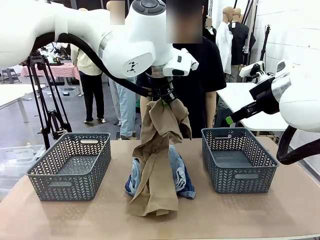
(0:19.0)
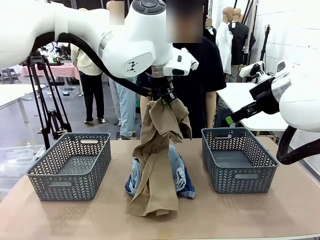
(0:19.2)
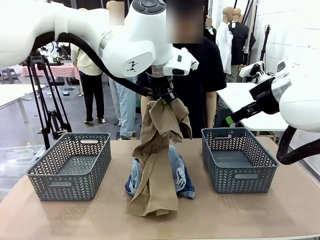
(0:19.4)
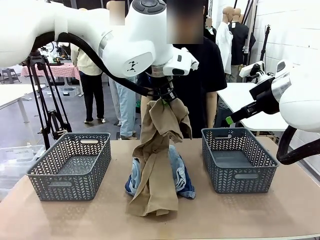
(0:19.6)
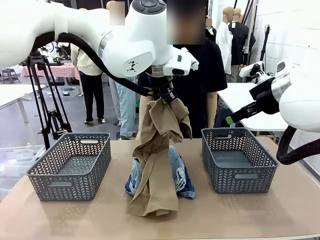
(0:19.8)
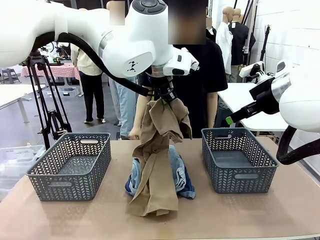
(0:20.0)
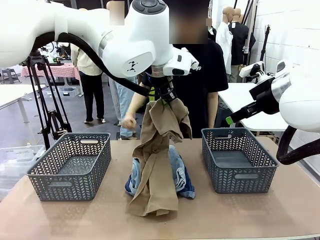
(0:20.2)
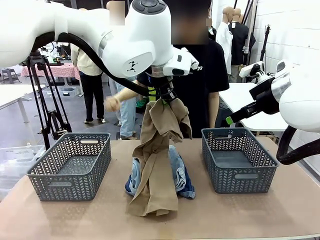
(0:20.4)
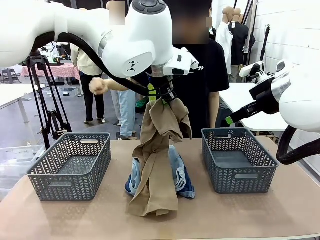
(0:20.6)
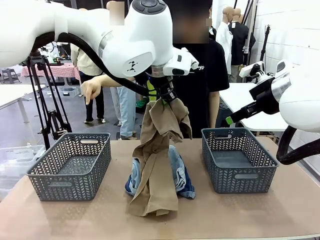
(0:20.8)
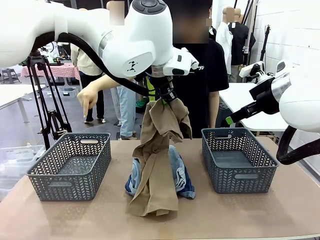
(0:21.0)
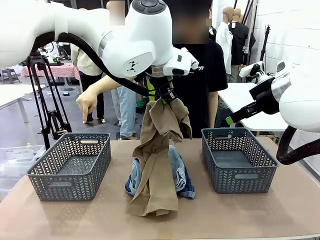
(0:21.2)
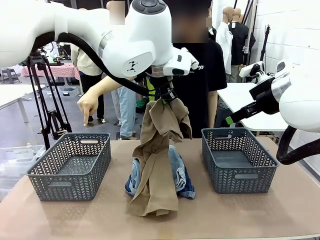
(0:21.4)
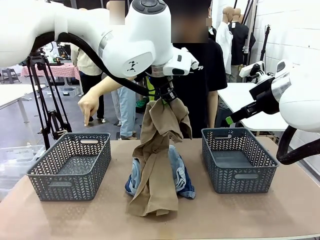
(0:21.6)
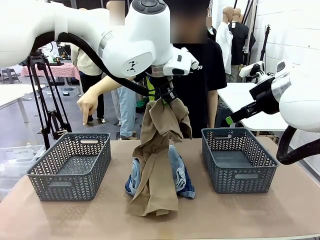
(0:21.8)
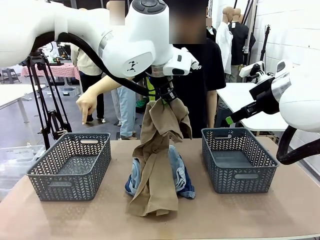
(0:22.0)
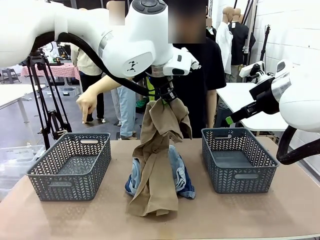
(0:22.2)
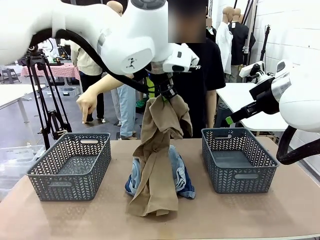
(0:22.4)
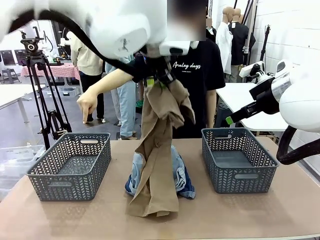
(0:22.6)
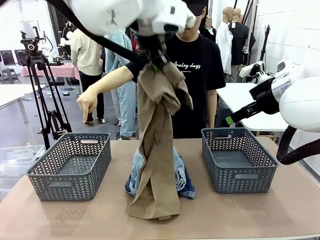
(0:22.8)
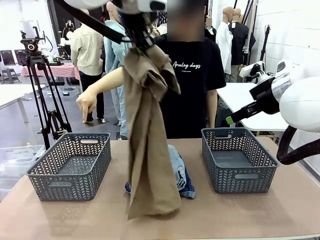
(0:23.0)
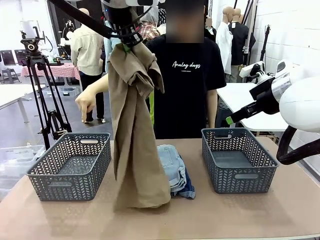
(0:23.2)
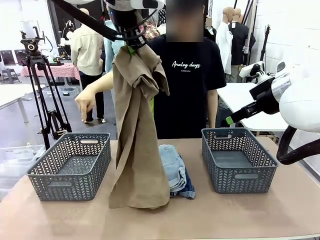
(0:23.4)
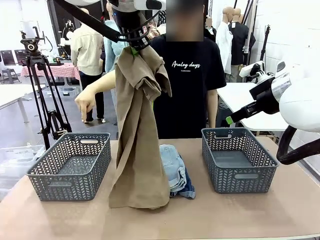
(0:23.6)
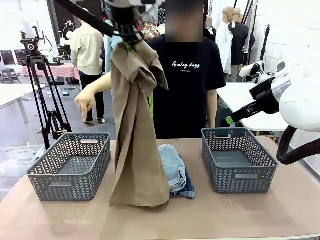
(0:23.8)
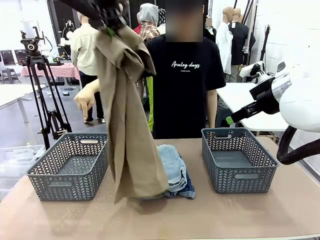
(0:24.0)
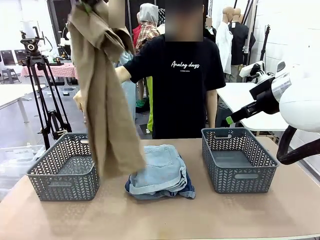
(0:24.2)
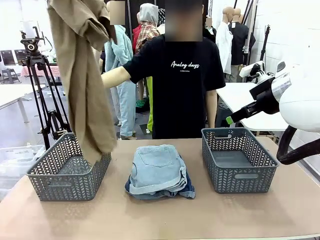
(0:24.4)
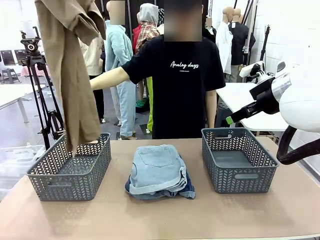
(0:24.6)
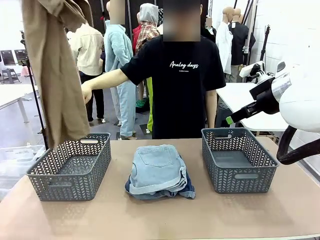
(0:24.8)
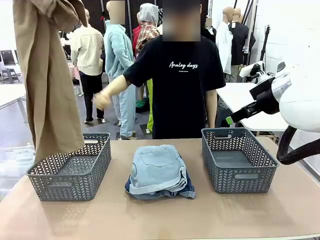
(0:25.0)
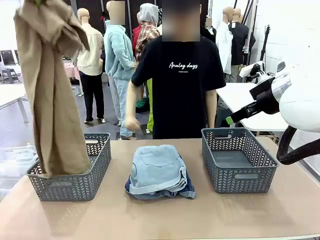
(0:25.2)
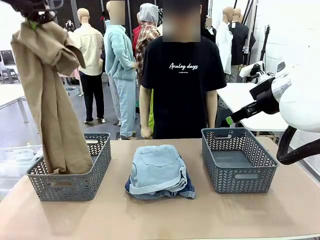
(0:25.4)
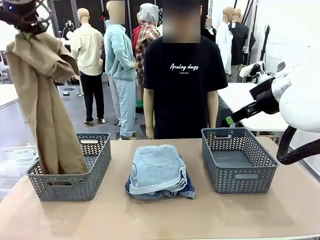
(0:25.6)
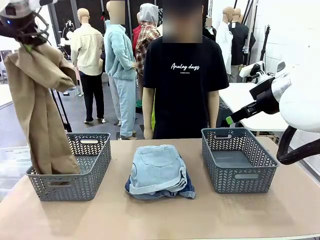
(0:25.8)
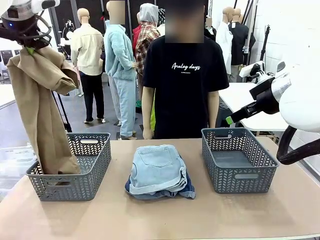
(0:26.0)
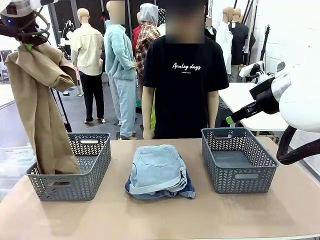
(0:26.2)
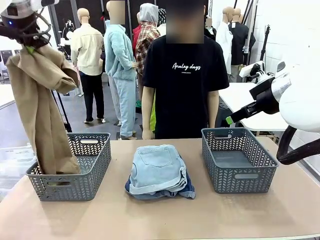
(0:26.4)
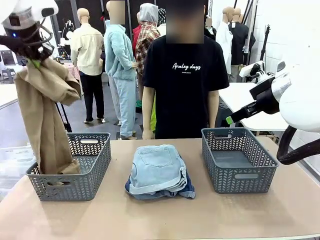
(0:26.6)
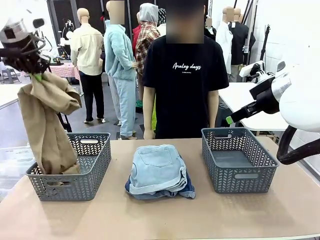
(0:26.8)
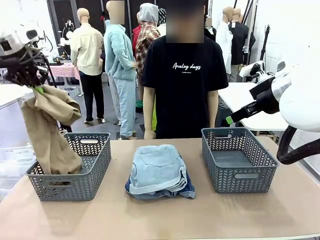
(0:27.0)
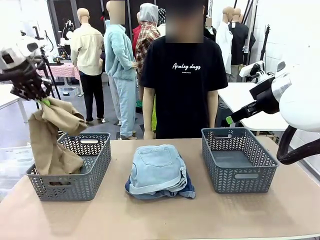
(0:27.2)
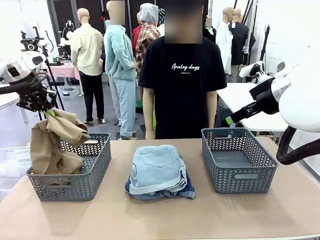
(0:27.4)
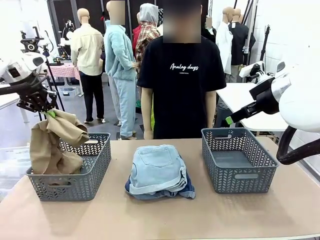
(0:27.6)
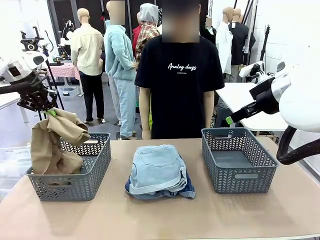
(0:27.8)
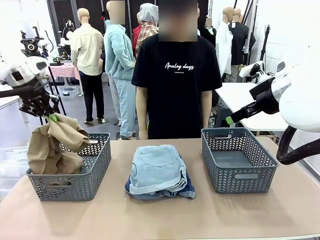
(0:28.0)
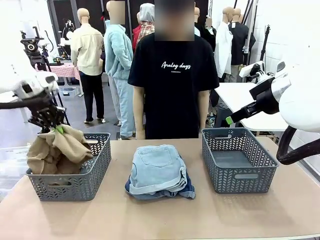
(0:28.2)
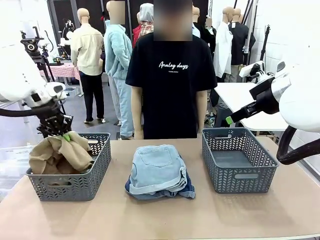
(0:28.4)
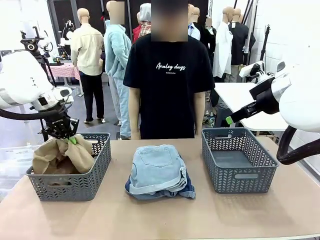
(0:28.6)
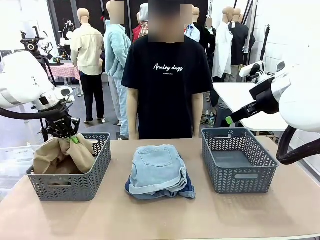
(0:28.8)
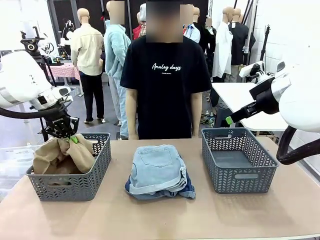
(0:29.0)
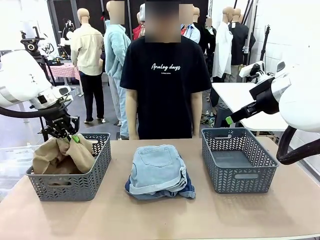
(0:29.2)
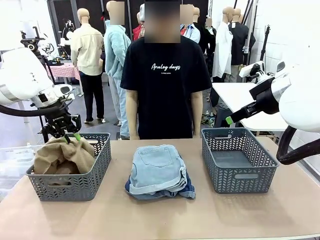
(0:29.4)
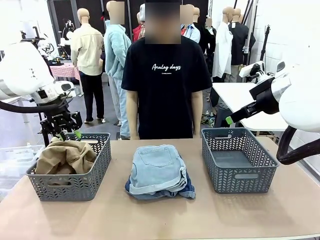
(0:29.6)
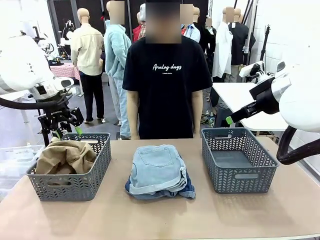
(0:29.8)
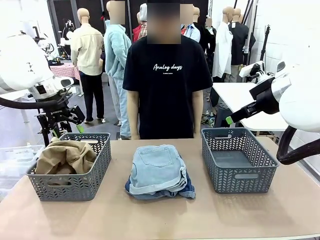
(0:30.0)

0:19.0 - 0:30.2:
Task: Sort the tops and bottoms.
Robot: Sort the clothes according to human instructions.

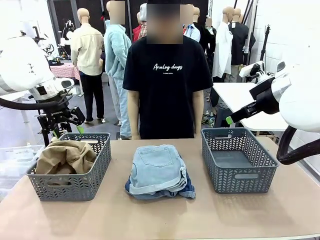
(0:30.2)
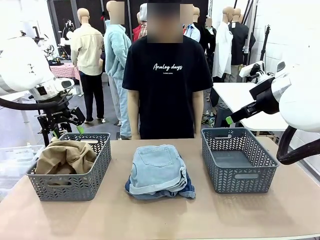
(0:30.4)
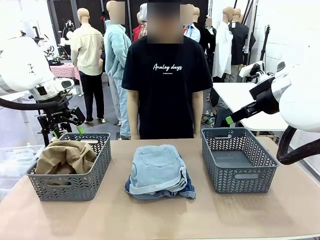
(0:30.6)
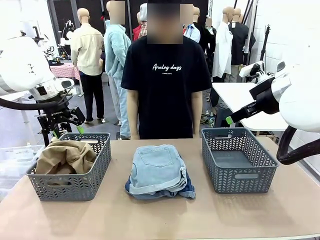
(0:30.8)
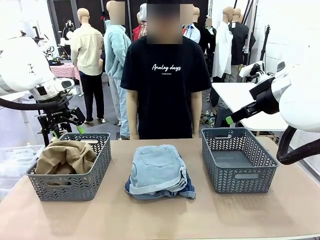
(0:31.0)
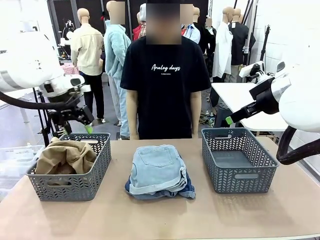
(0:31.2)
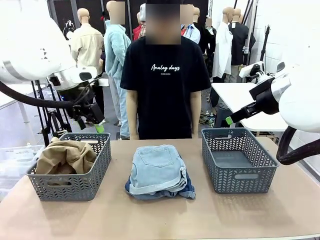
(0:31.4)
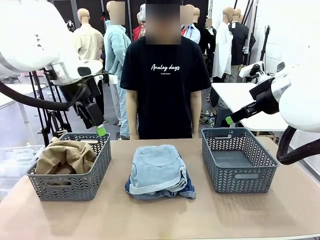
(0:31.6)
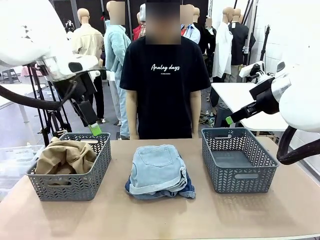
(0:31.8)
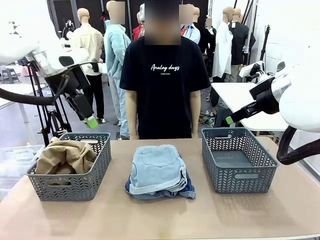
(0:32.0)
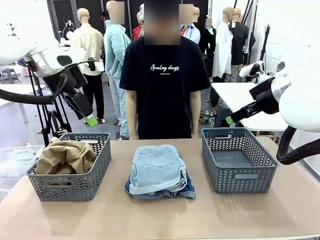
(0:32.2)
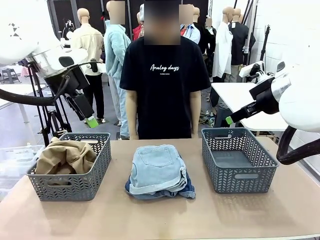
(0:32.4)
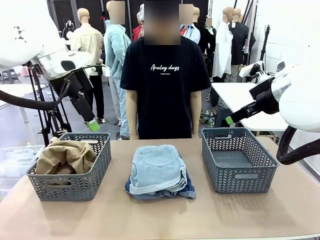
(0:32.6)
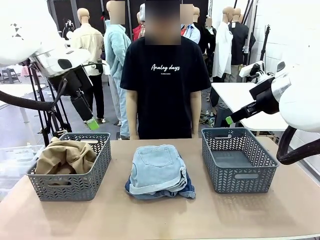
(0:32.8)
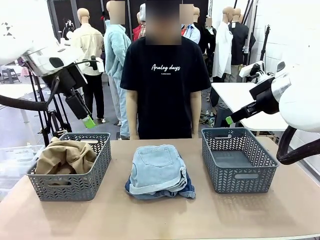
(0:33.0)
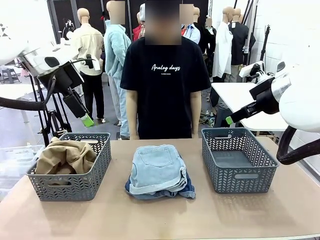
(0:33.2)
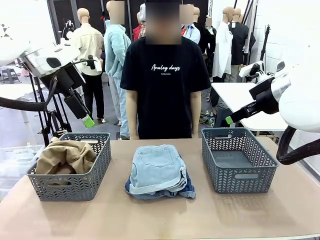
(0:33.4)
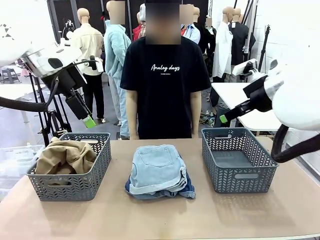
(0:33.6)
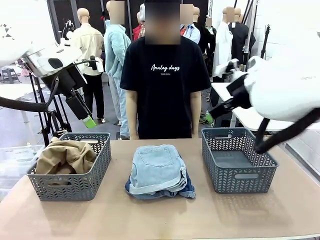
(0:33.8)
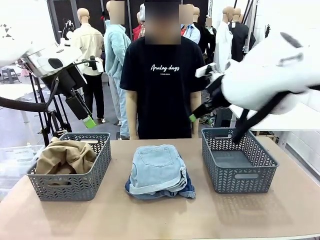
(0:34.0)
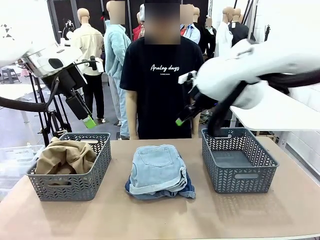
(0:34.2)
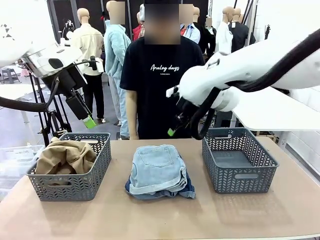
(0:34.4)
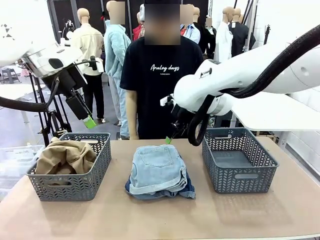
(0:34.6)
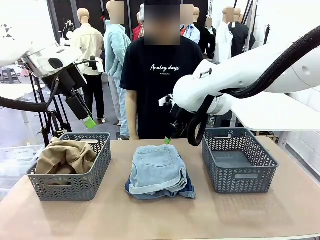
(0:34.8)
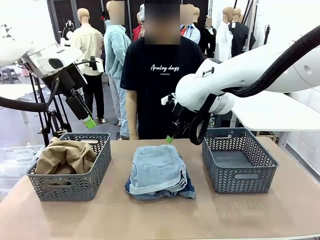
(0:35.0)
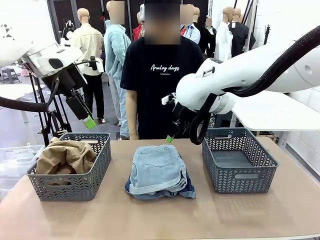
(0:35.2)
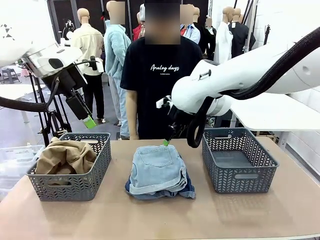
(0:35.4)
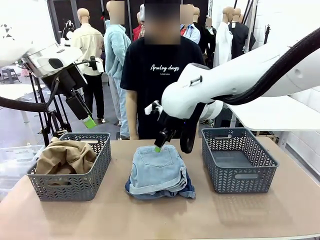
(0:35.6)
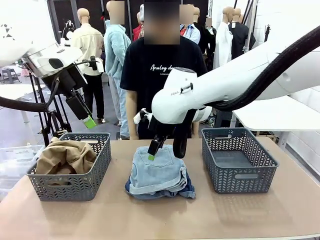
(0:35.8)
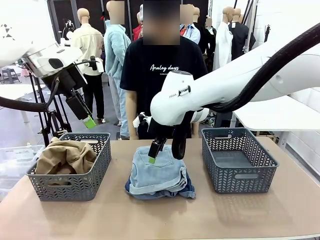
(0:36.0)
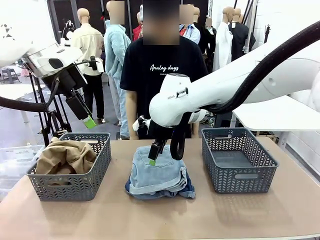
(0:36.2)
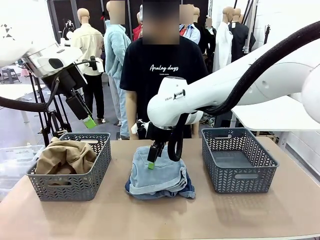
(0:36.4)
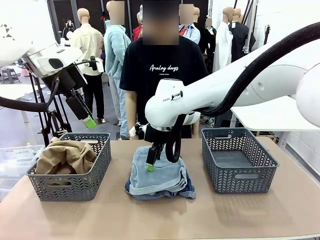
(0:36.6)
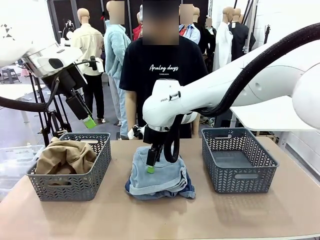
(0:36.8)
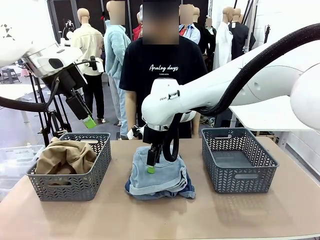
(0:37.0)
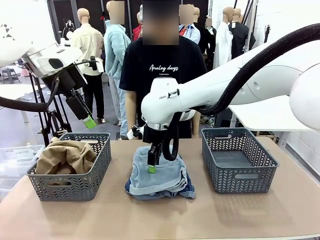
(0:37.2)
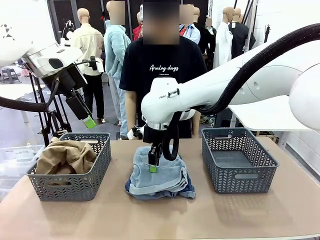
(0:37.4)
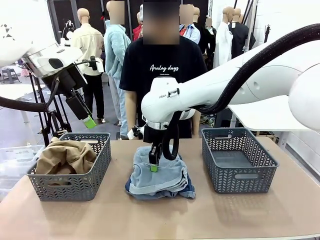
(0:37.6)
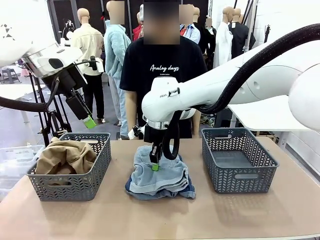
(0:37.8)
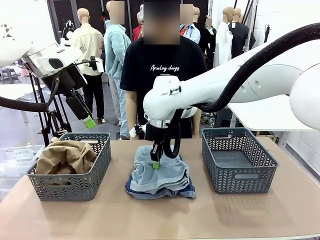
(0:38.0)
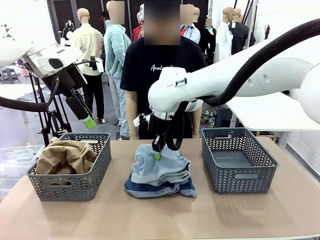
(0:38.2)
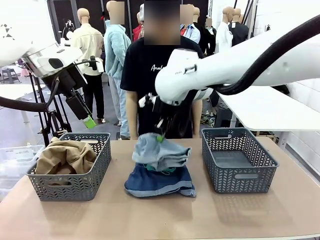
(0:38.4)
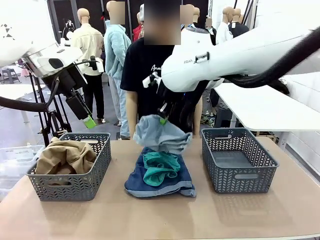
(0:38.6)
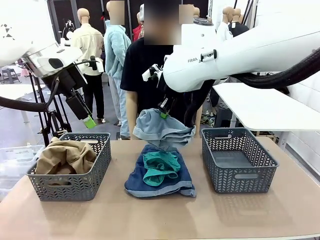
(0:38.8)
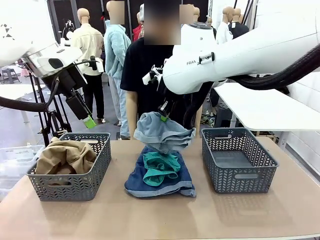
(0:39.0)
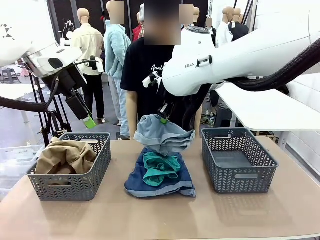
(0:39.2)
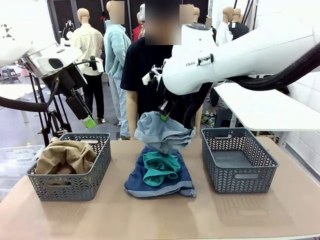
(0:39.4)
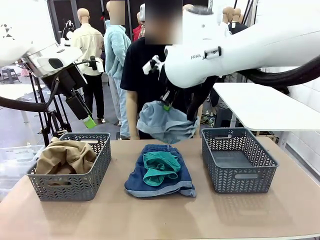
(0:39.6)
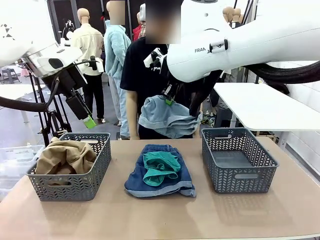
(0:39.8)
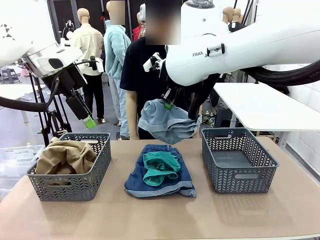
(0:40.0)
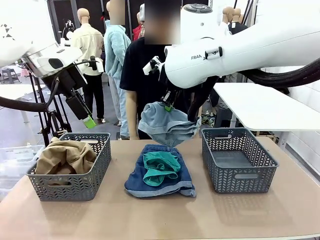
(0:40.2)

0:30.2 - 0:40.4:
Robot: Lift clothes from the center of the table with your right hand.
